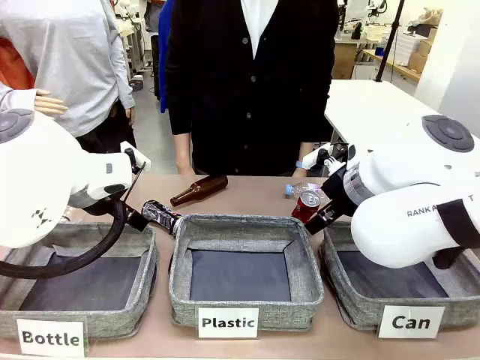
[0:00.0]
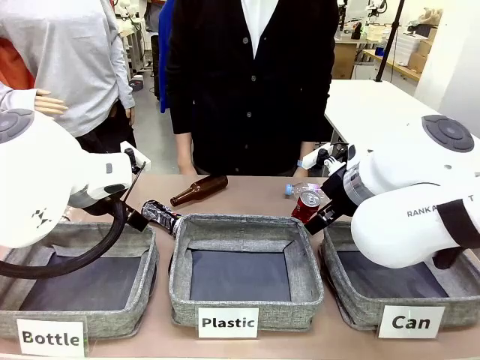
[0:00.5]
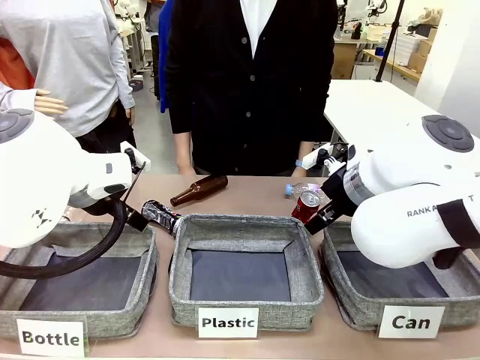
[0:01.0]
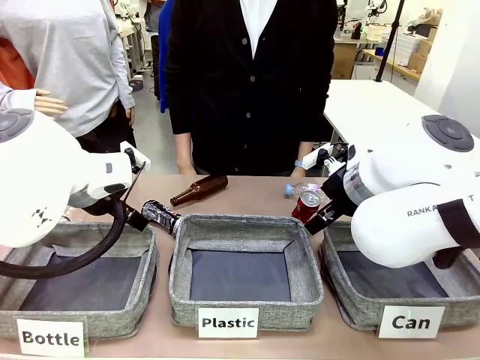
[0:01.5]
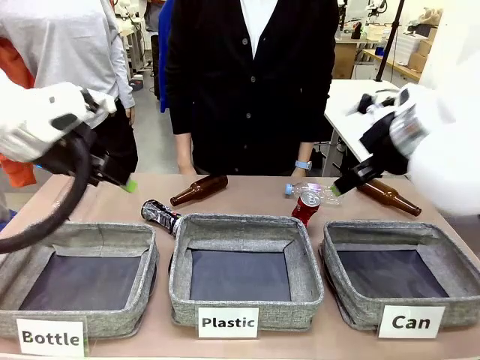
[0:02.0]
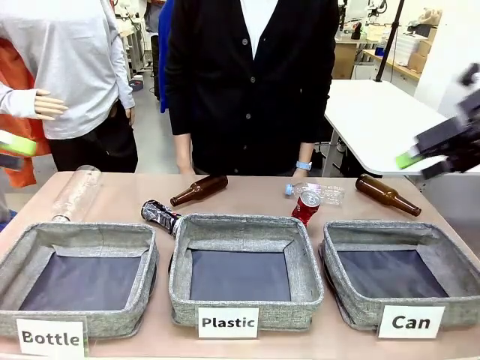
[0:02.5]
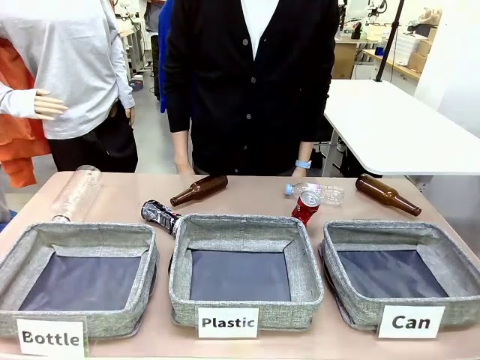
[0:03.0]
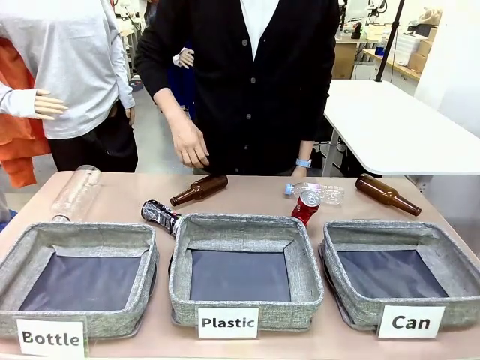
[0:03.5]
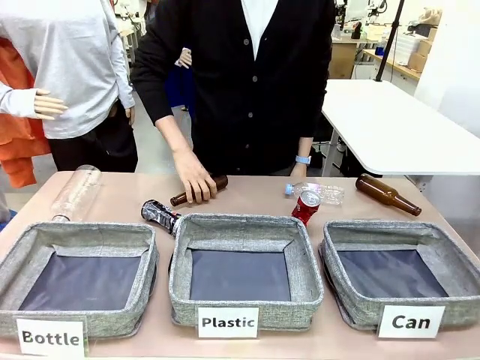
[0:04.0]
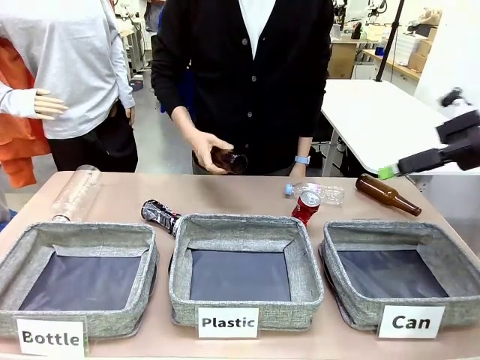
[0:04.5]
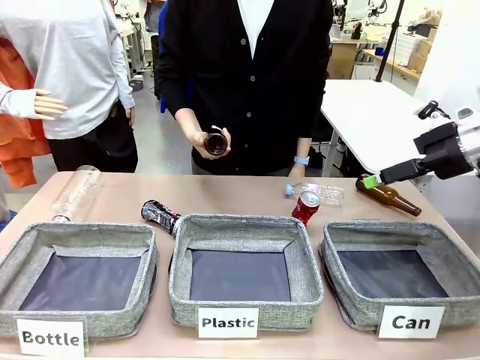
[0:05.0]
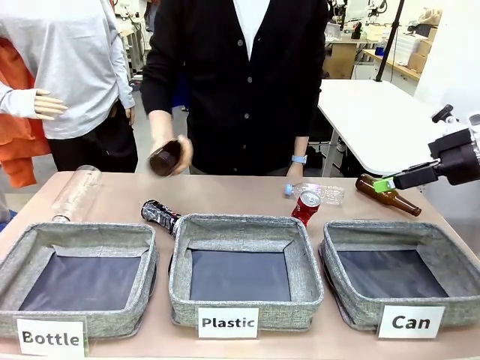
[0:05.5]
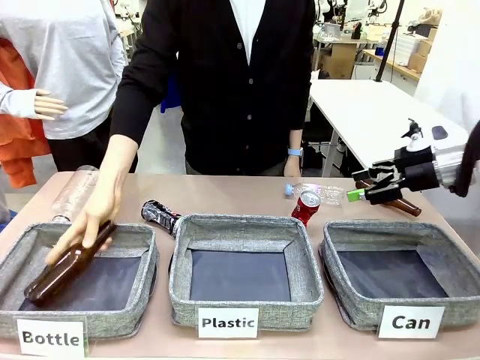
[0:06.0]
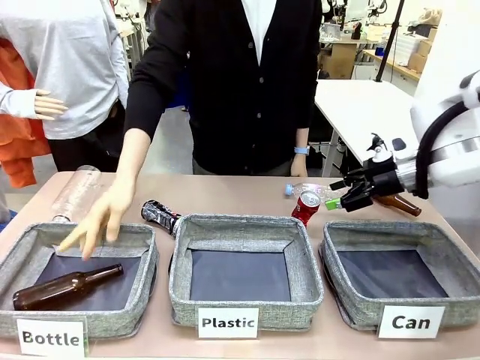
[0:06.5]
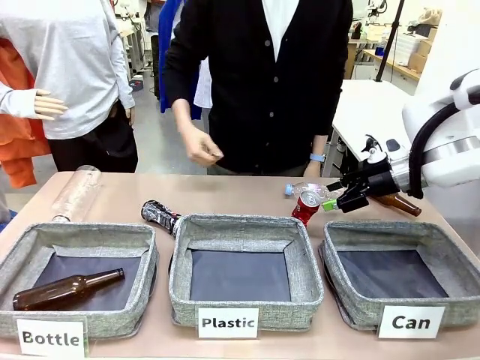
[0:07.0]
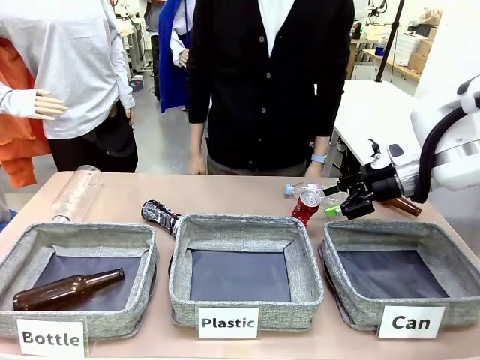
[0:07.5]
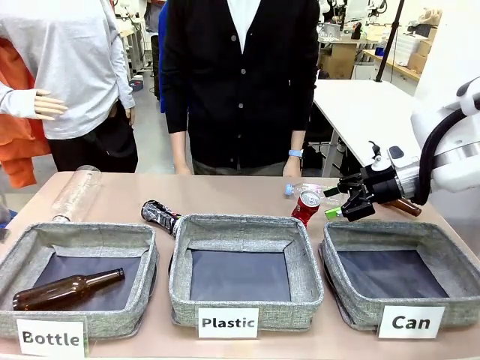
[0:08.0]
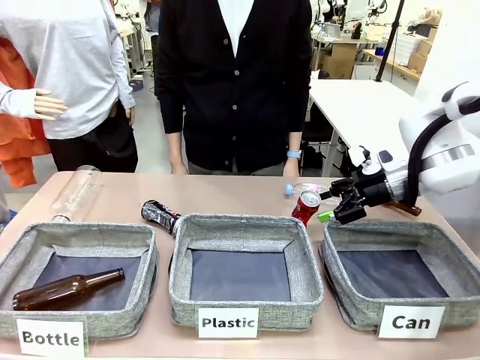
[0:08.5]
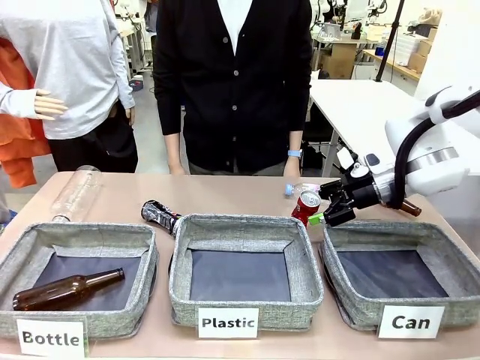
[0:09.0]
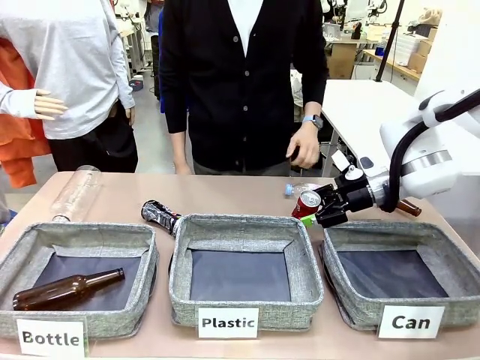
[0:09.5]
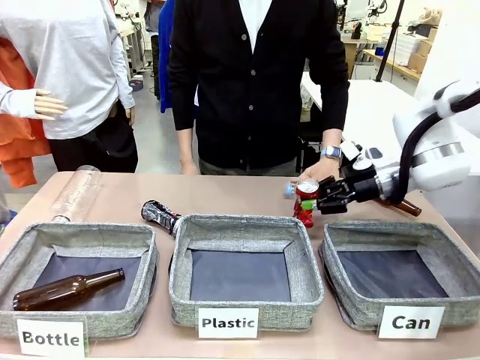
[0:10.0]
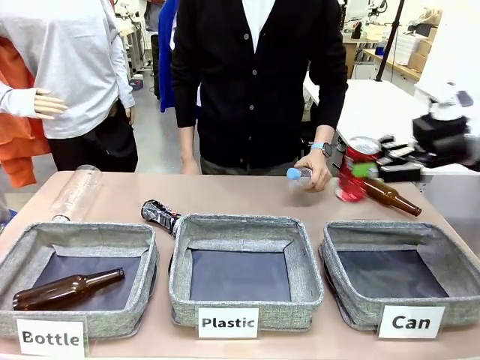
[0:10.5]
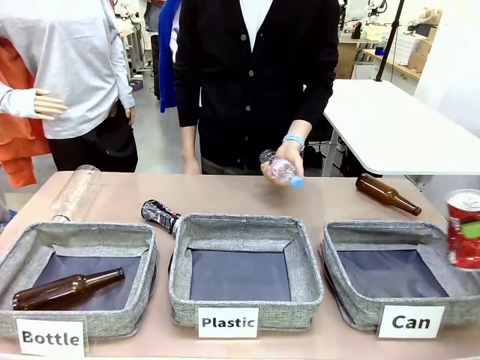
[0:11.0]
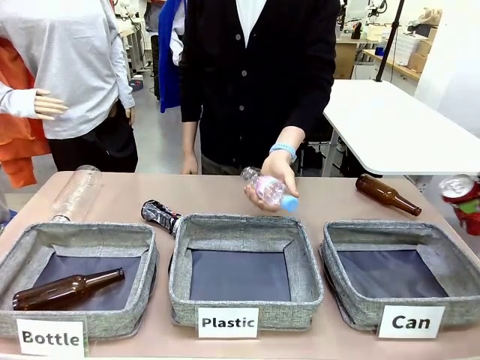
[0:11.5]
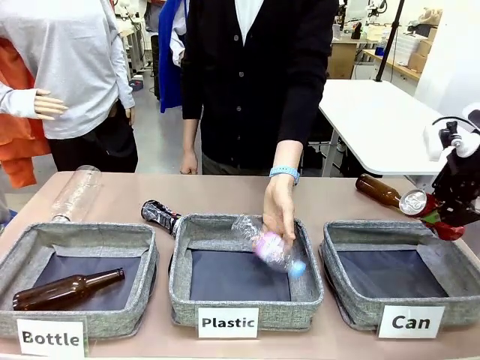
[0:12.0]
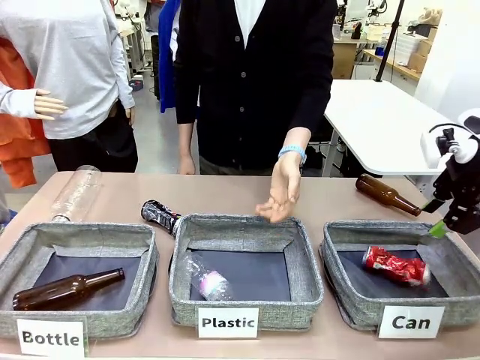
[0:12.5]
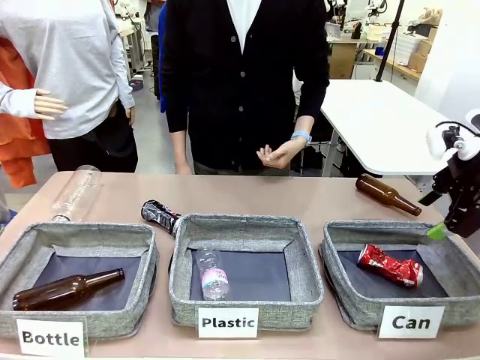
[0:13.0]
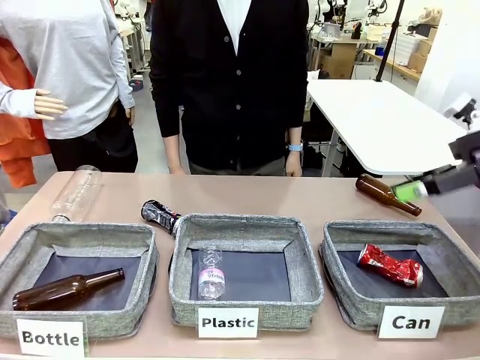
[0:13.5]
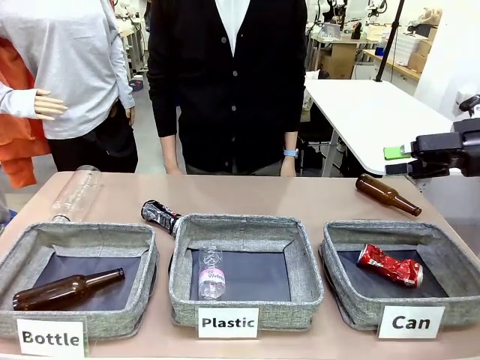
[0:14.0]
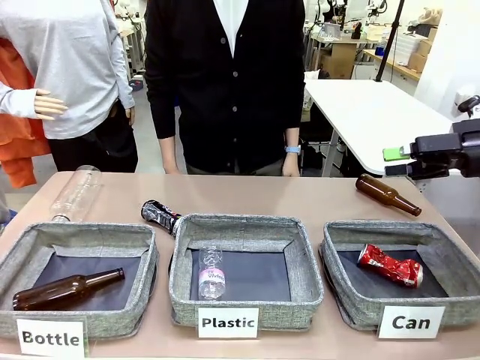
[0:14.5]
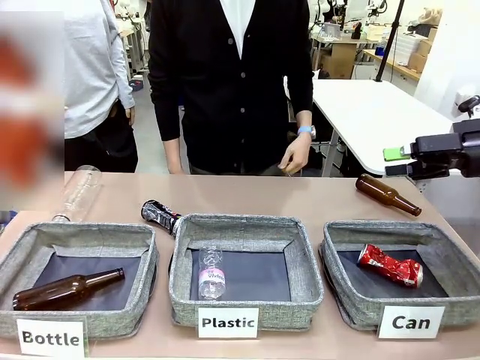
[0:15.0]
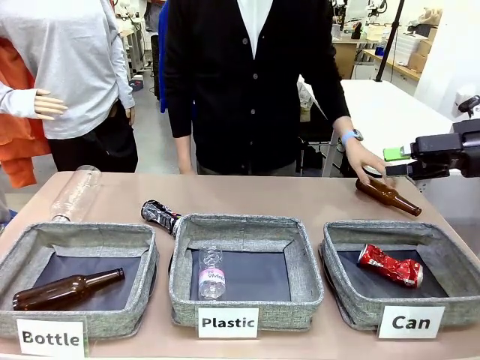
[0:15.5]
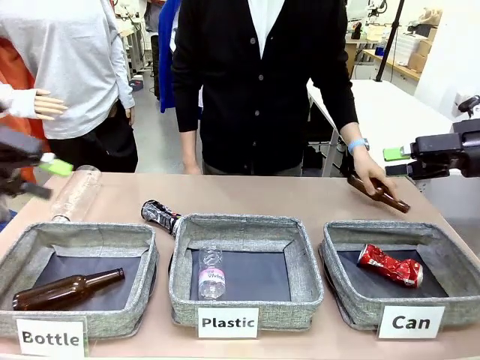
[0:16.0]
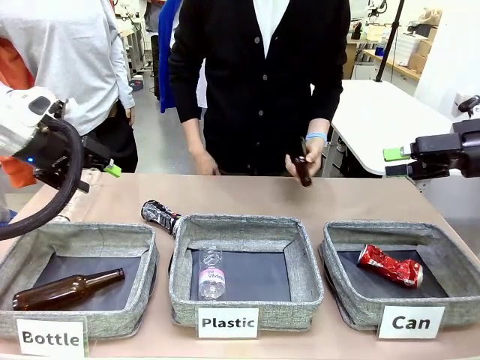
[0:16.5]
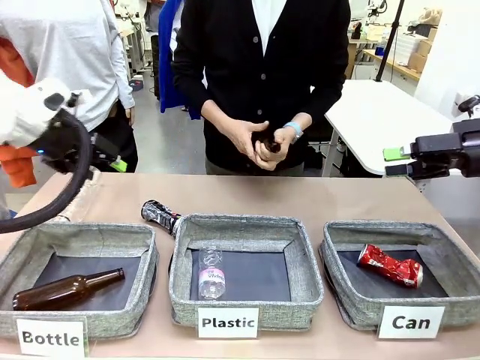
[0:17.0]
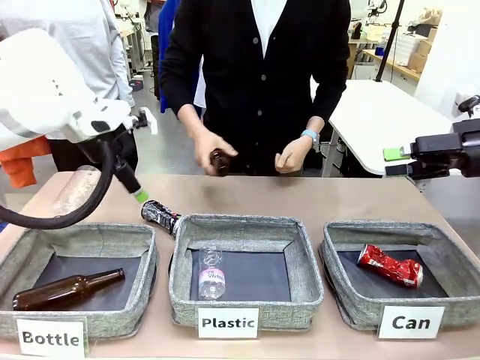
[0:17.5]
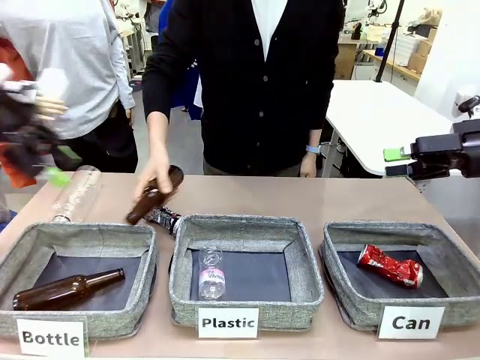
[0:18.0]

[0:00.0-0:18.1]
Task: Sort the can waste into the basket.
Robot: Pick up the can waste from the table and place it in the right Fabric basket.

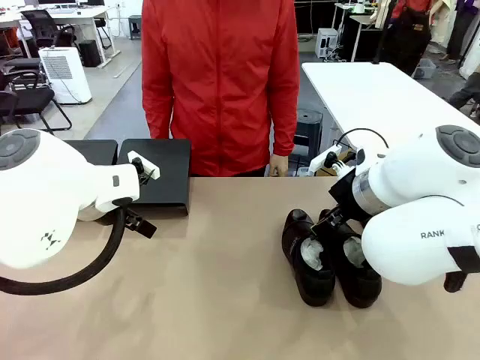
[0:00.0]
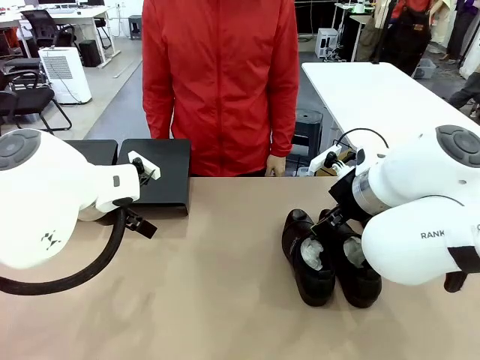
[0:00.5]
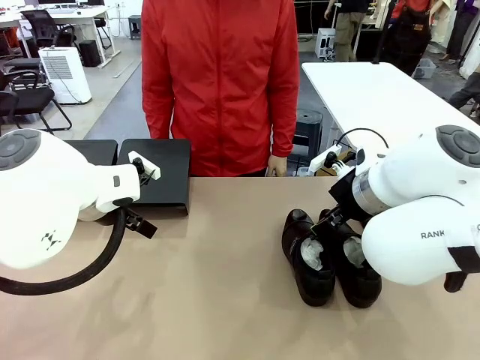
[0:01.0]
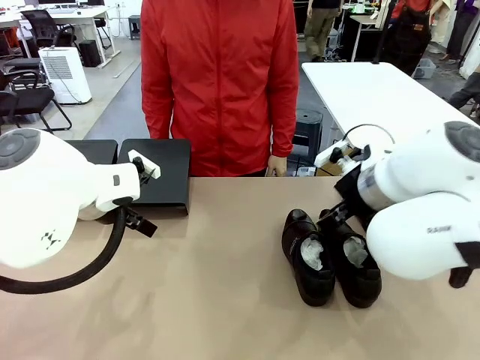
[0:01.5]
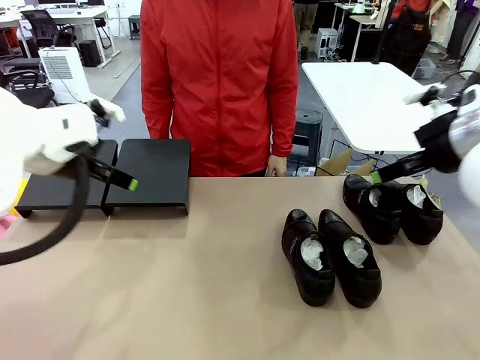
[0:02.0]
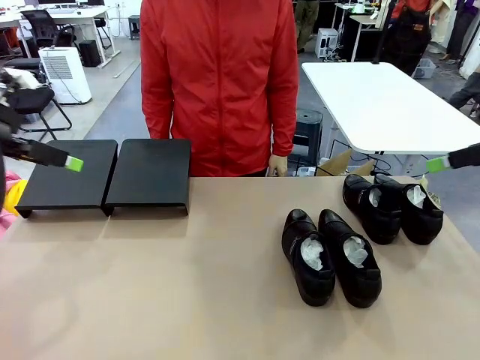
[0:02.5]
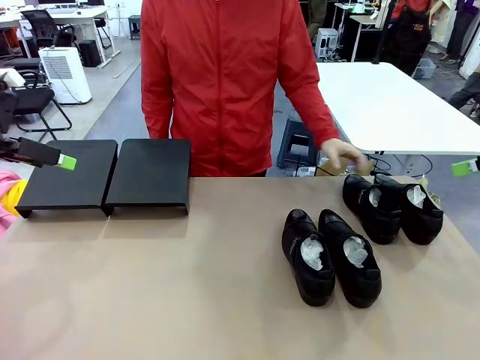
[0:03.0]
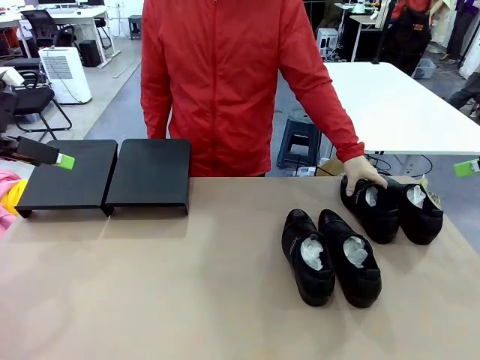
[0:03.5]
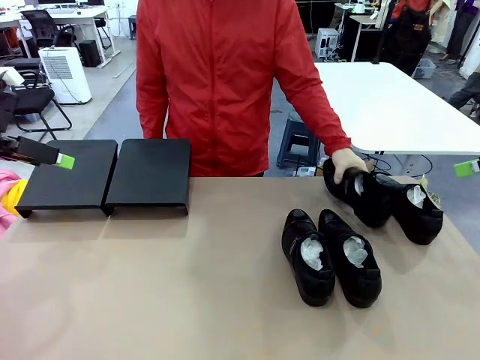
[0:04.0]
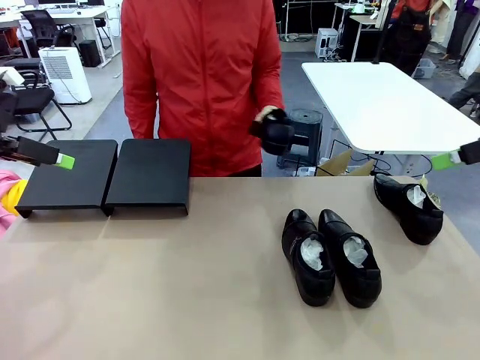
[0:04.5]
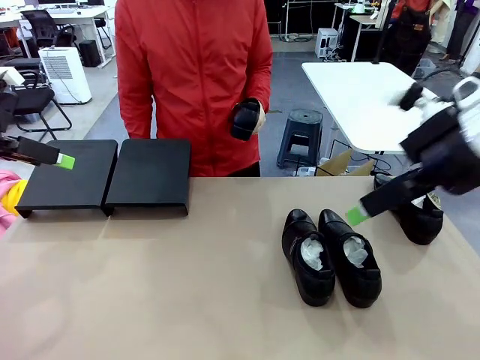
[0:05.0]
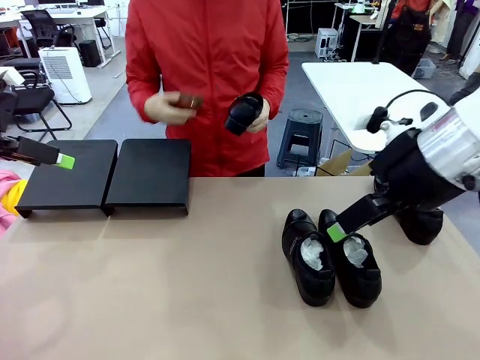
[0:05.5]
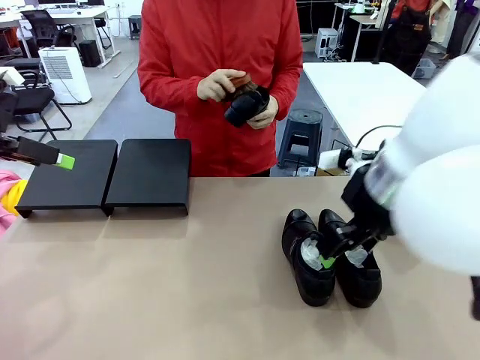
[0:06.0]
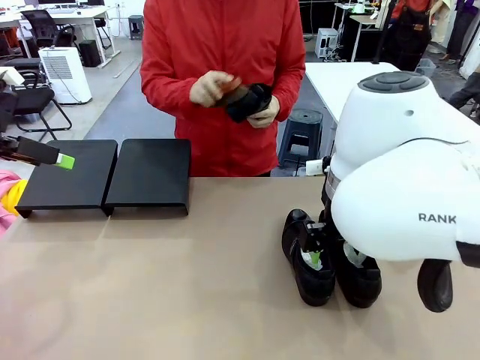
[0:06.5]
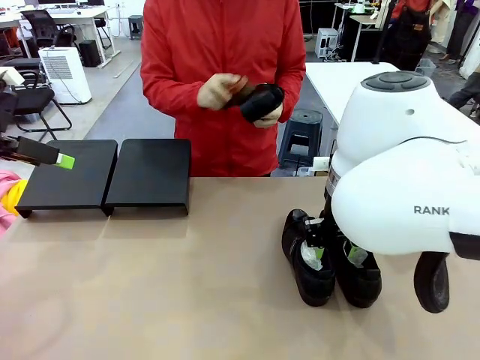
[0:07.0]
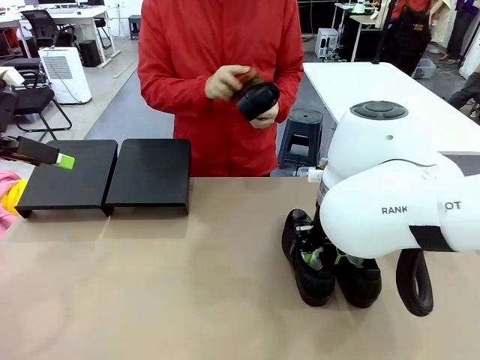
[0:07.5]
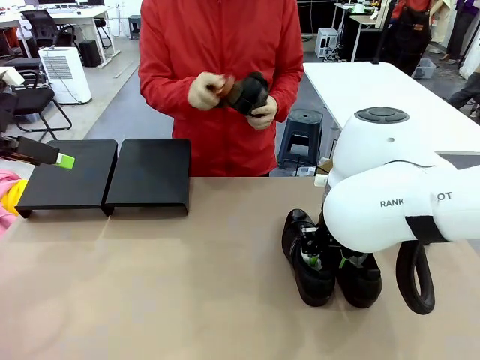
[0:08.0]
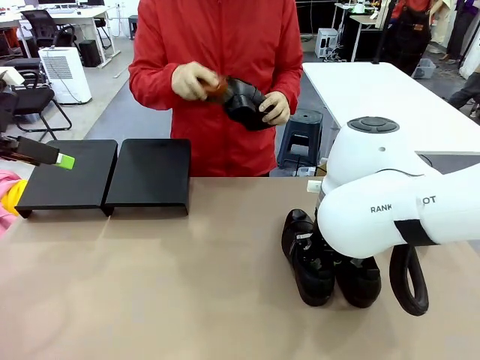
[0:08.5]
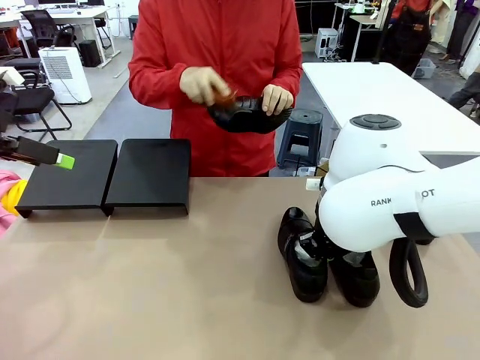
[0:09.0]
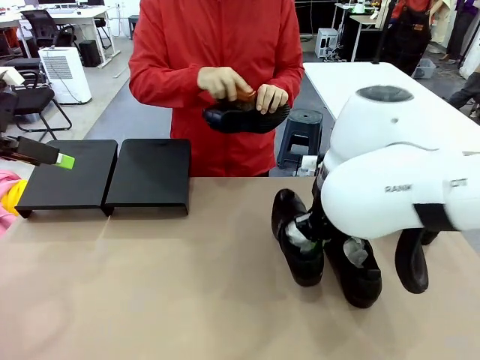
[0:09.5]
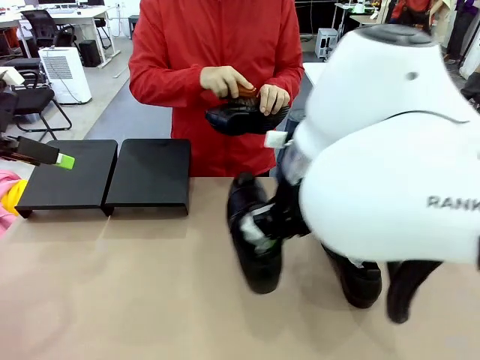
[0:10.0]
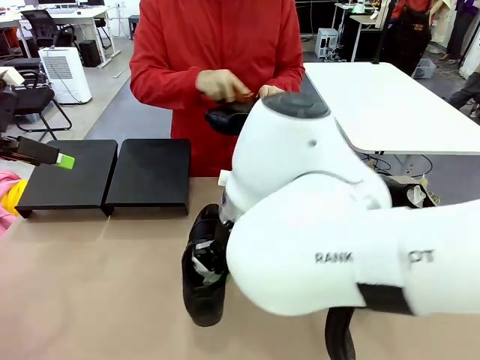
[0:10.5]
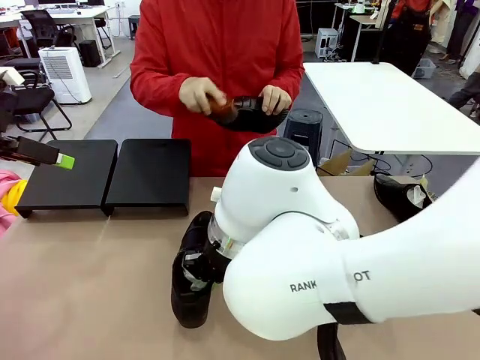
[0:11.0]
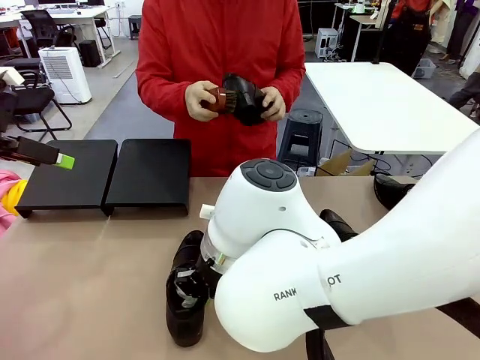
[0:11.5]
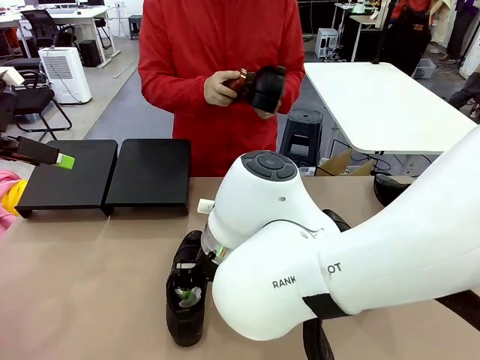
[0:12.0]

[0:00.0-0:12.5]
Task: Organize the shoes by placing them on the stand.
Robot: Pick up one Shoe and place it in the middle of the table.
Person: Pick one Shoe on Robot's table.
